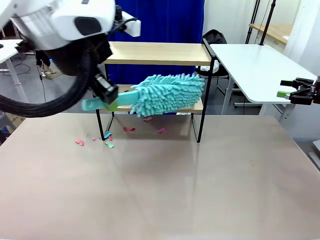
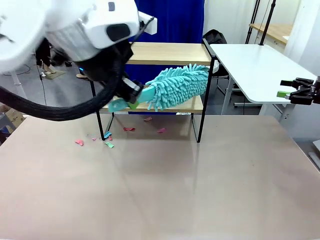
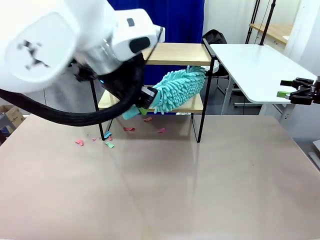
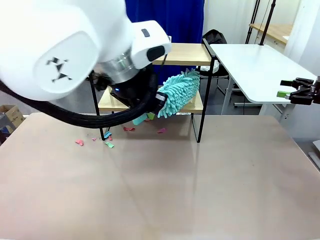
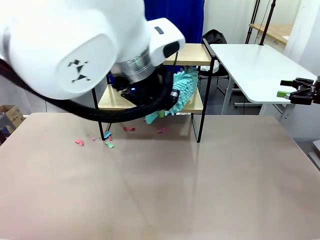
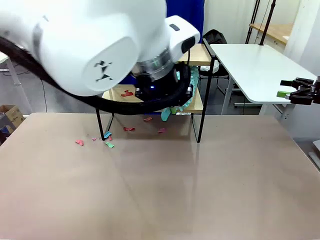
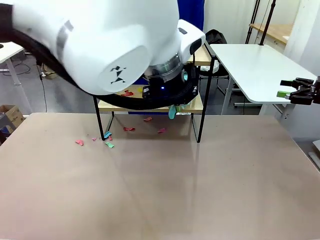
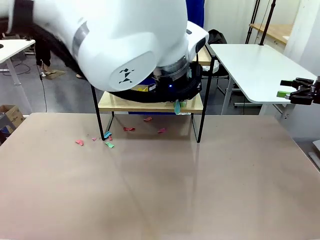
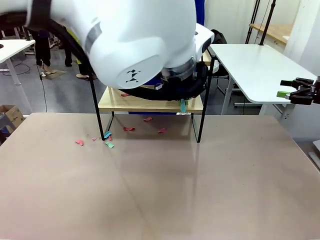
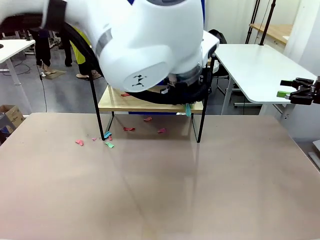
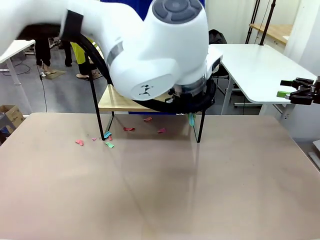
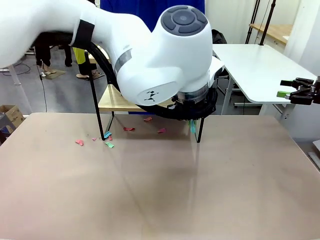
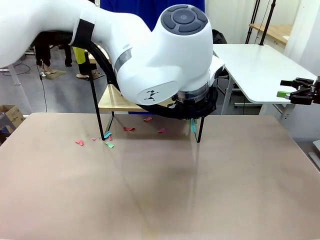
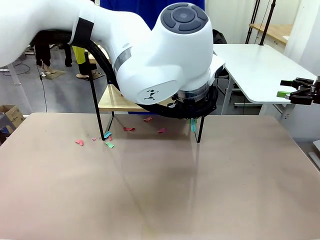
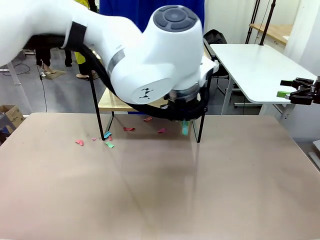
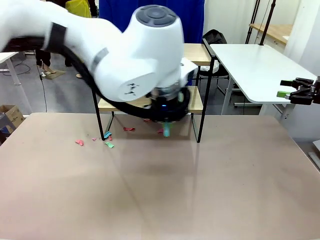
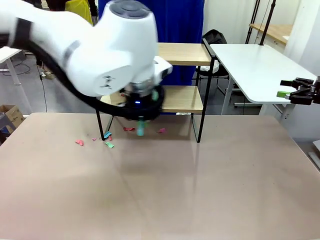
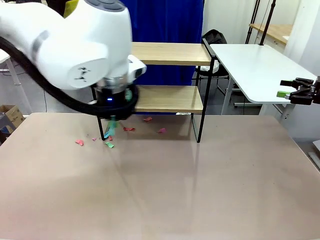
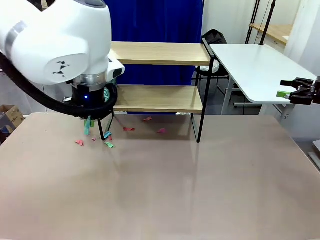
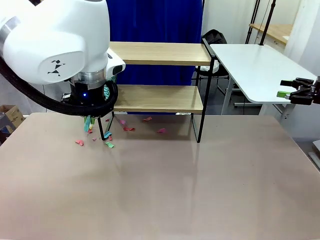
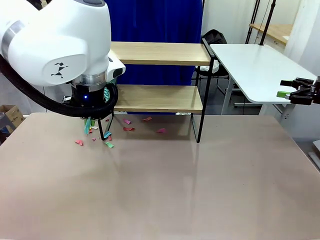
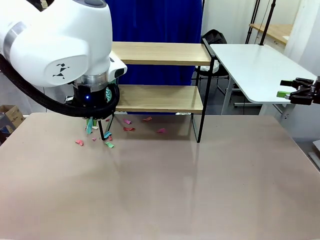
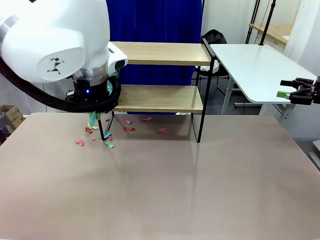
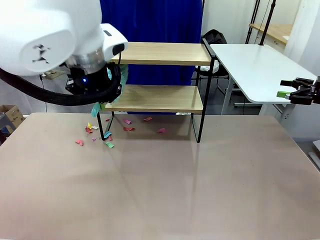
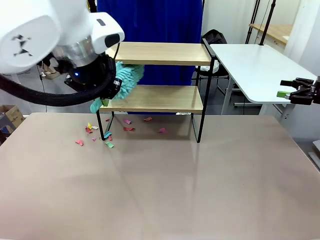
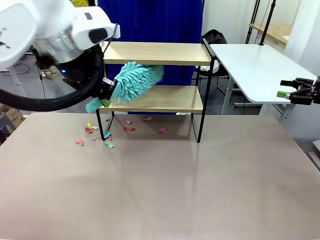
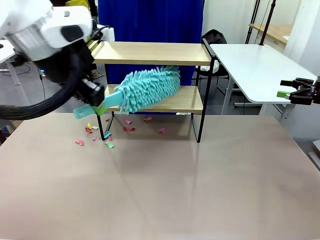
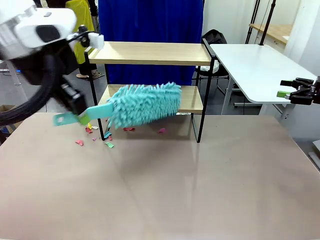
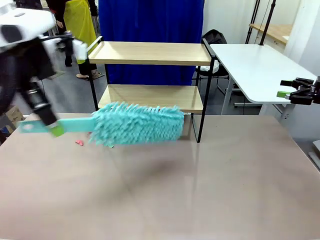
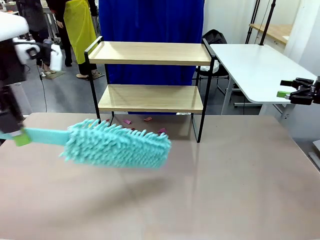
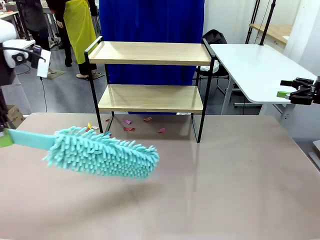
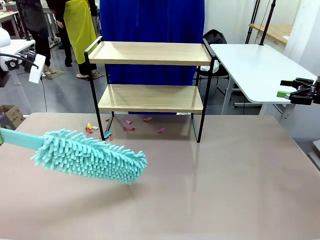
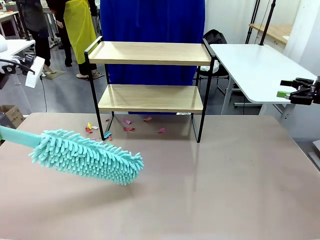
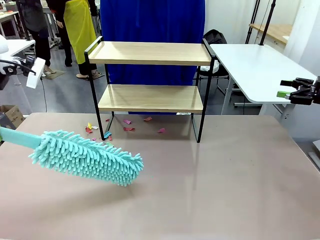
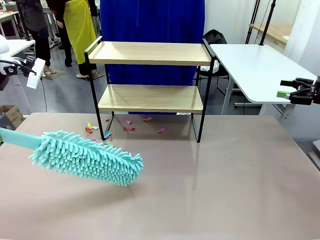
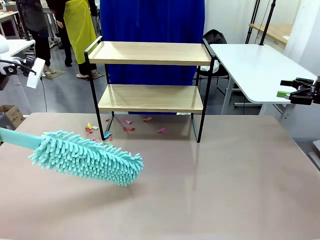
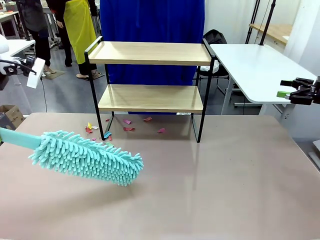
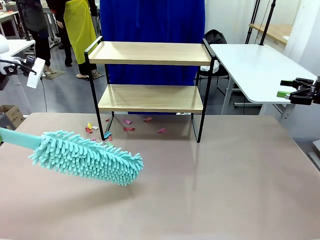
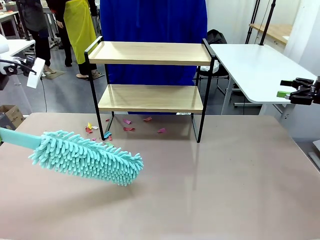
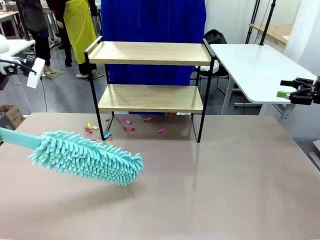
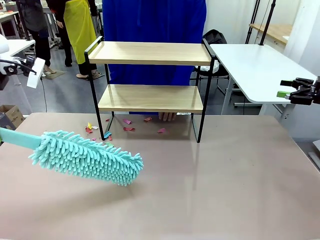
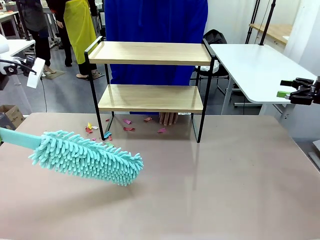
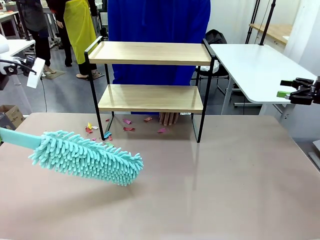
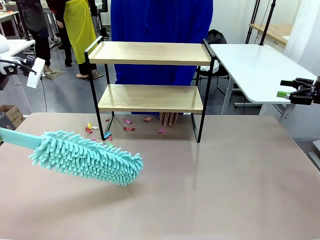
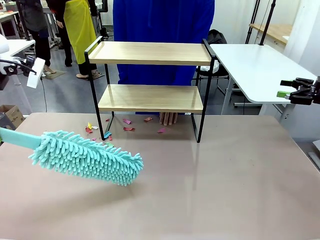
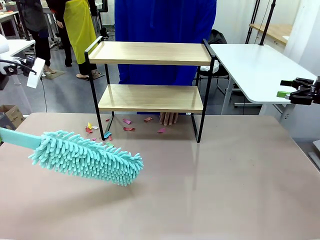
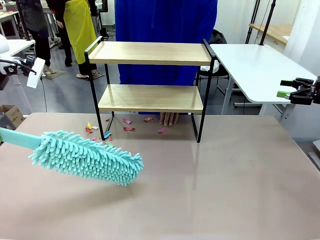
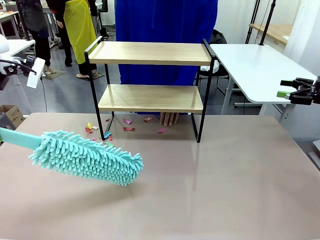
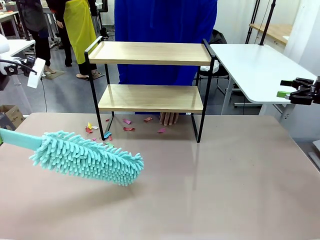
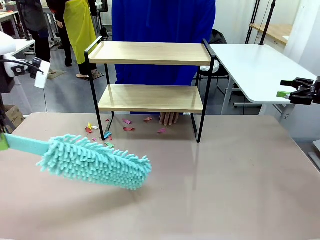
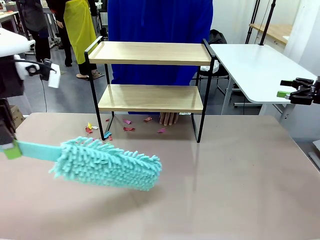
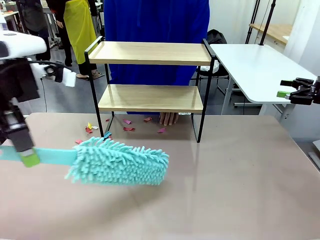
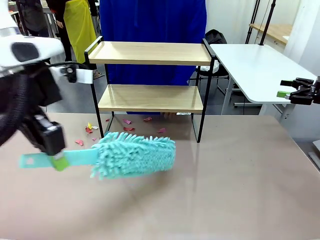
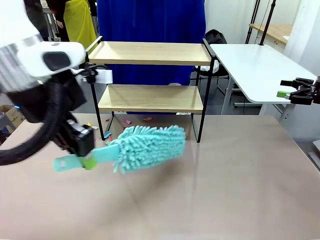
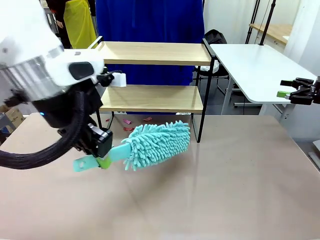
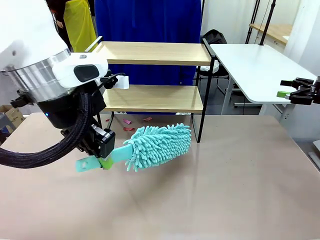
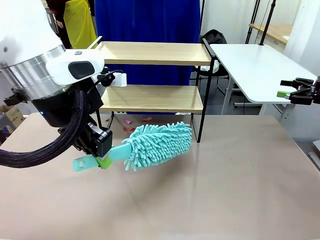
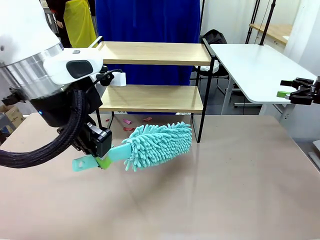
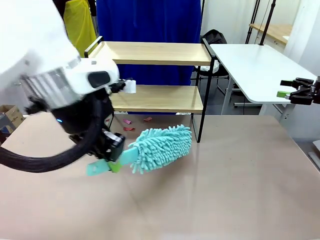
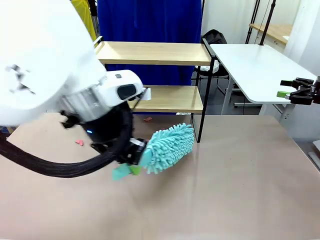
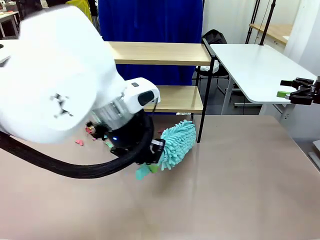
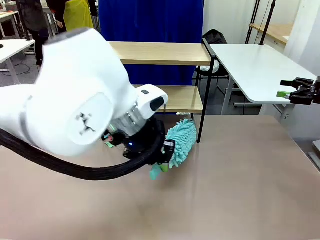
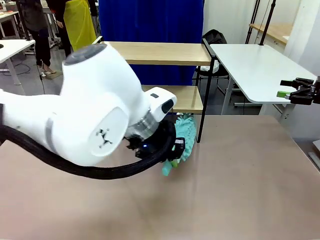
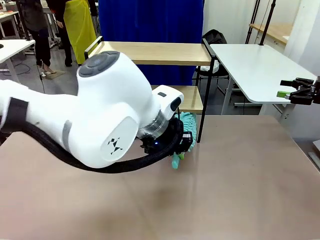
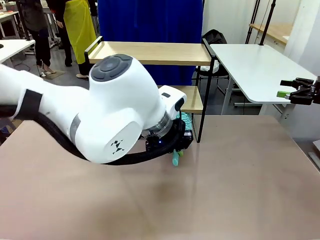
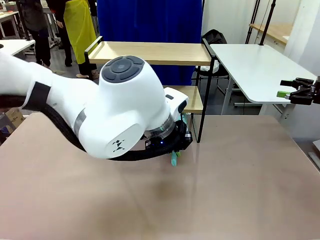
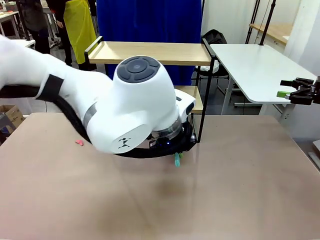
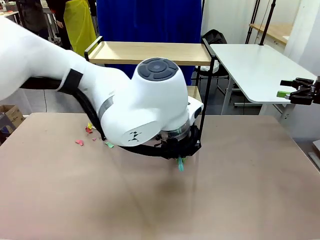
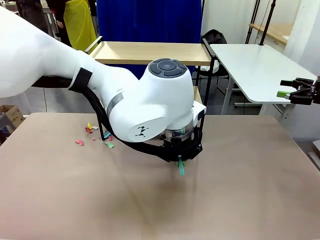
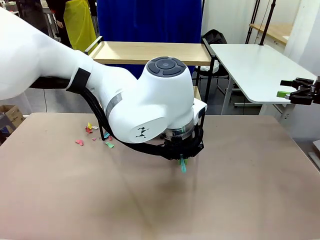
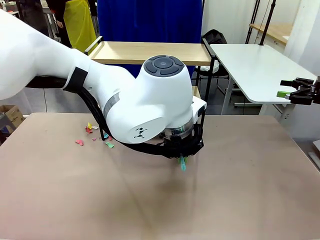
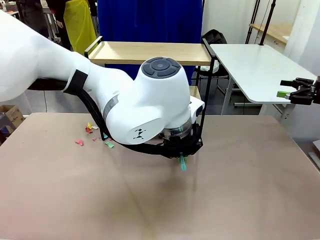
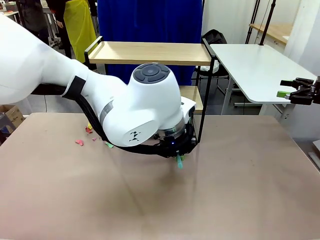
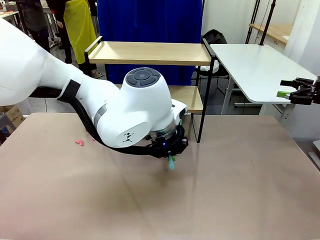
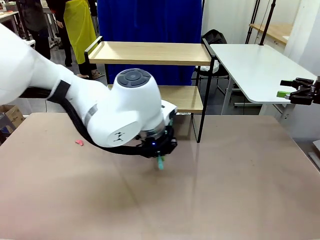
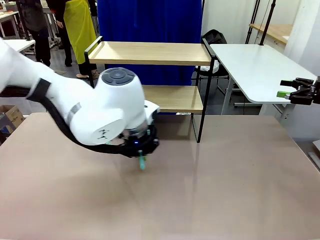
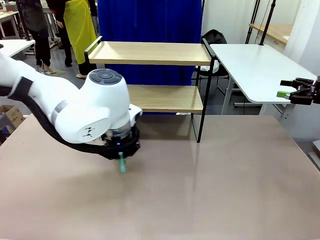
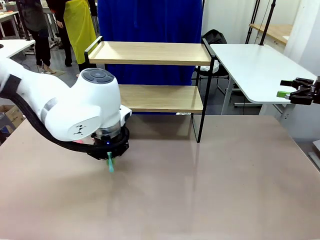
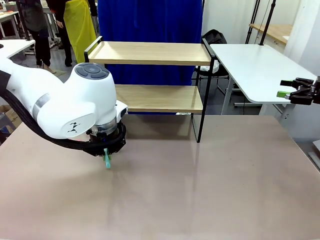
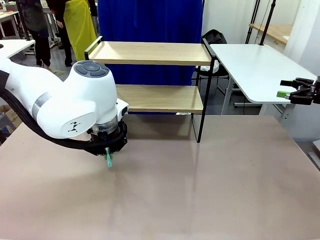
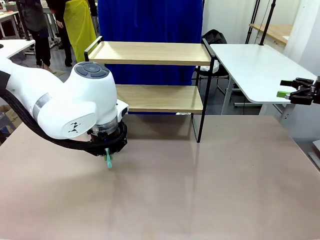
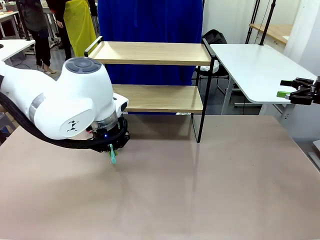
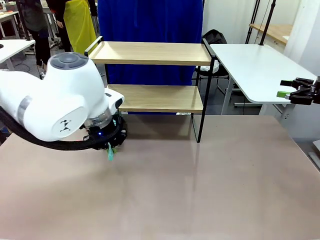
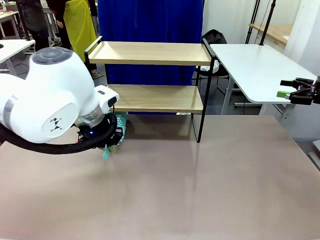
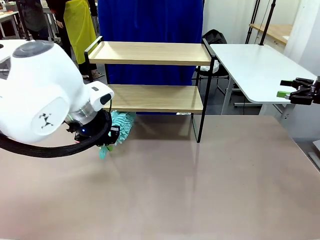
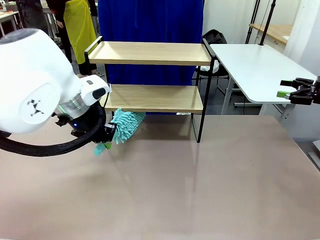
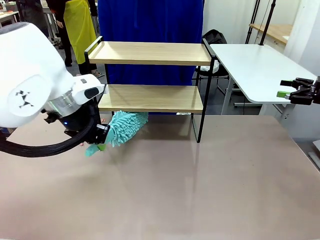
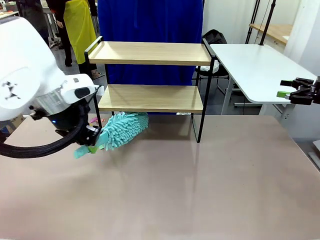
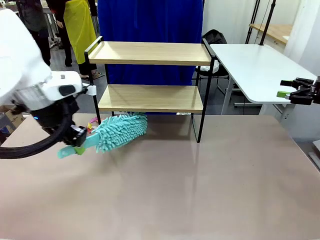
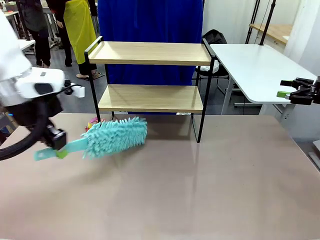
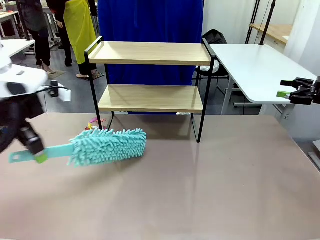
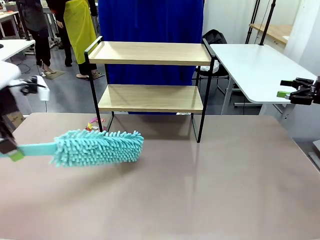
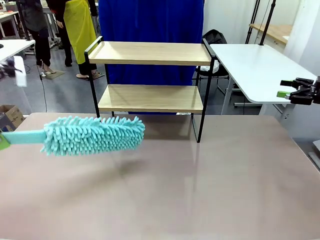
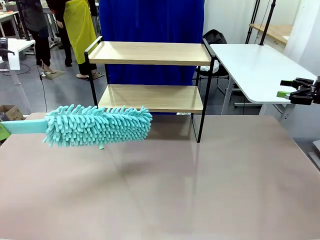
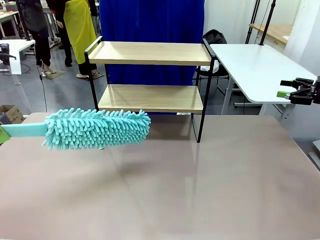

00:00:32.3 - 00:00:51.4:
Task: Clean the shelf.
Robot: Clean the specific section of the Shelf indicated by the human with the Duster.
Person: Point a remaining section of the Shelf.
